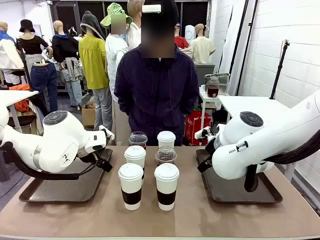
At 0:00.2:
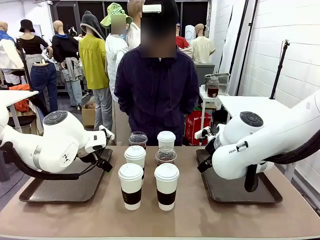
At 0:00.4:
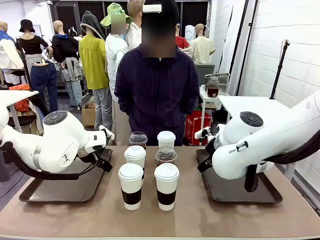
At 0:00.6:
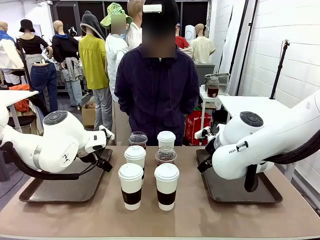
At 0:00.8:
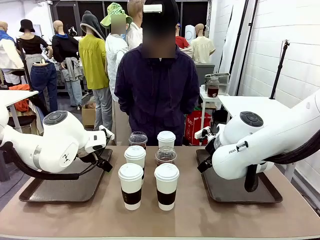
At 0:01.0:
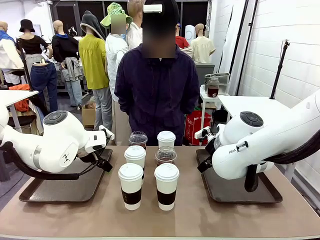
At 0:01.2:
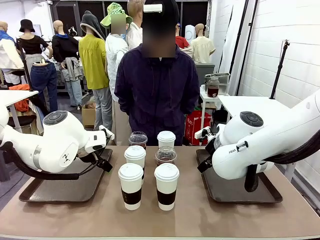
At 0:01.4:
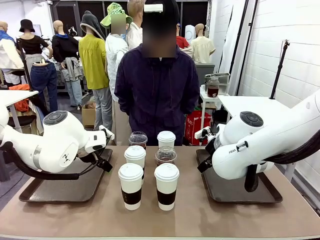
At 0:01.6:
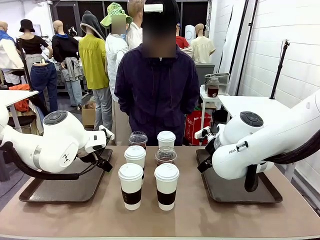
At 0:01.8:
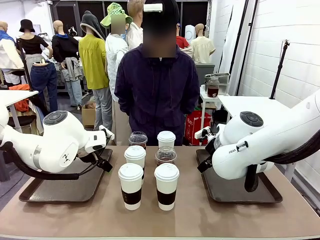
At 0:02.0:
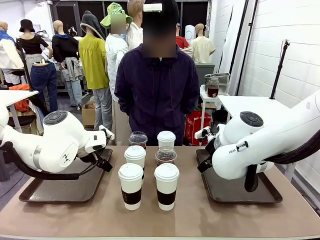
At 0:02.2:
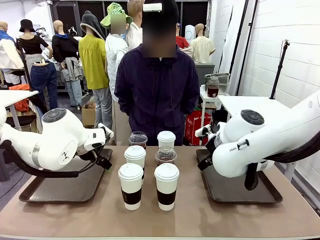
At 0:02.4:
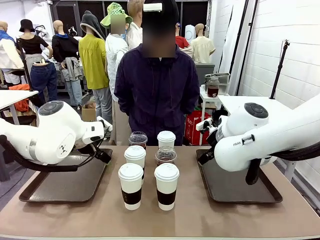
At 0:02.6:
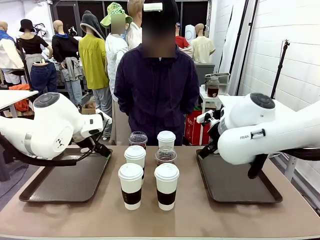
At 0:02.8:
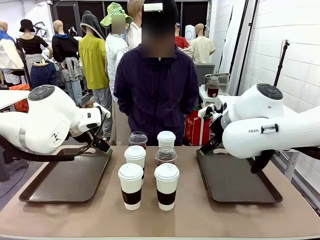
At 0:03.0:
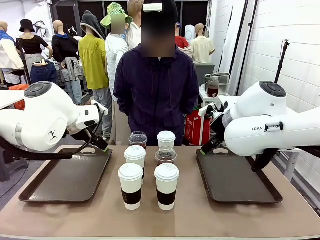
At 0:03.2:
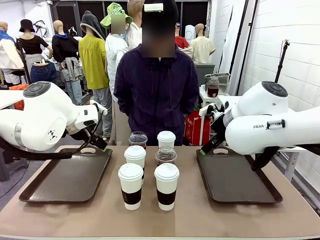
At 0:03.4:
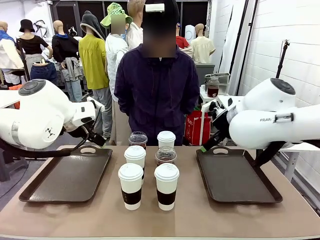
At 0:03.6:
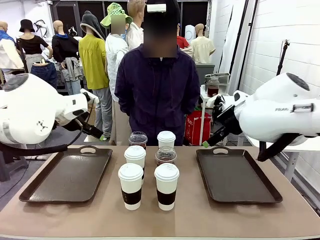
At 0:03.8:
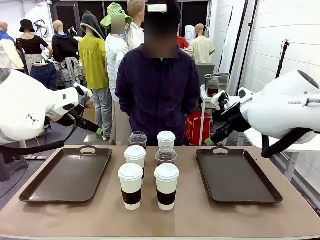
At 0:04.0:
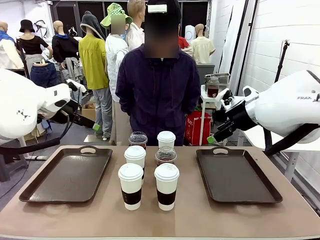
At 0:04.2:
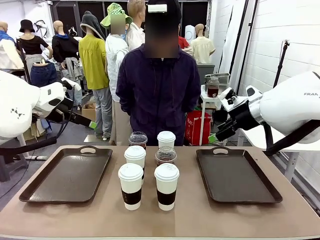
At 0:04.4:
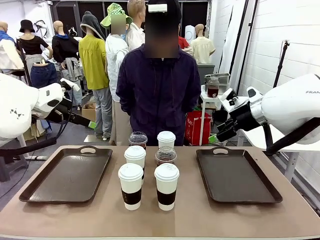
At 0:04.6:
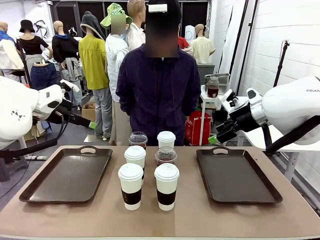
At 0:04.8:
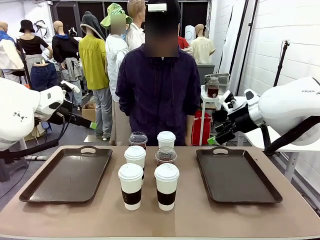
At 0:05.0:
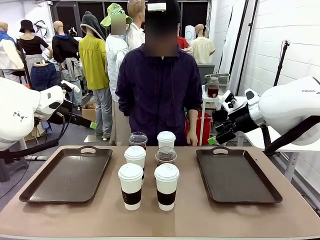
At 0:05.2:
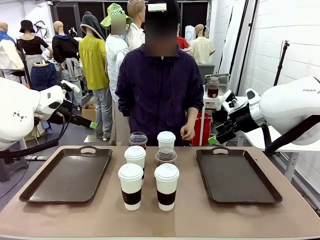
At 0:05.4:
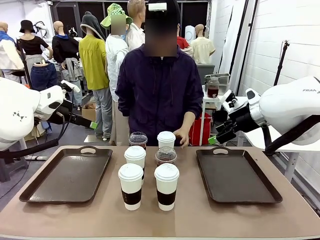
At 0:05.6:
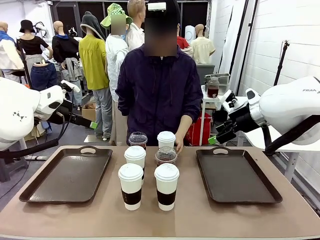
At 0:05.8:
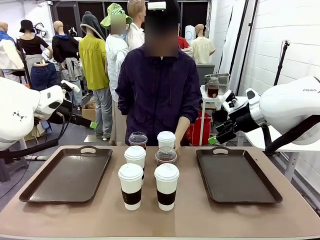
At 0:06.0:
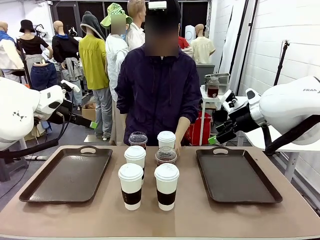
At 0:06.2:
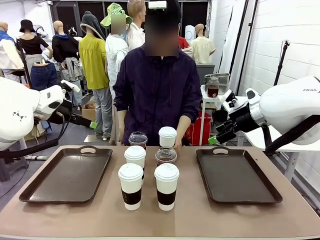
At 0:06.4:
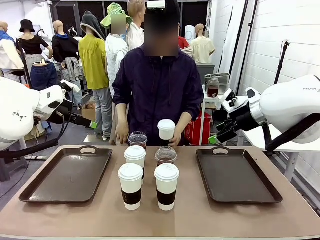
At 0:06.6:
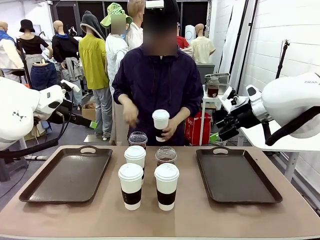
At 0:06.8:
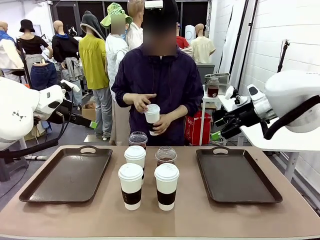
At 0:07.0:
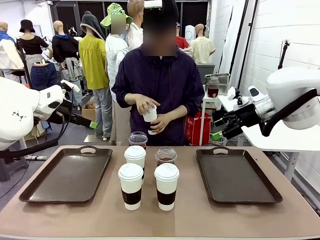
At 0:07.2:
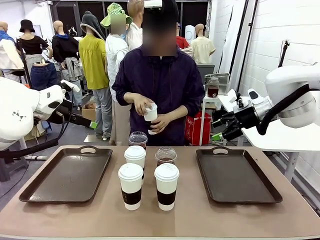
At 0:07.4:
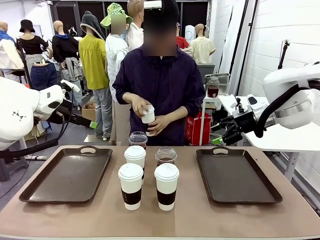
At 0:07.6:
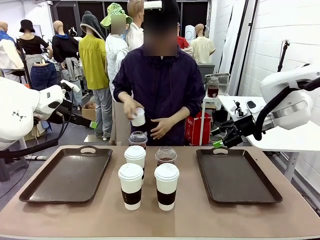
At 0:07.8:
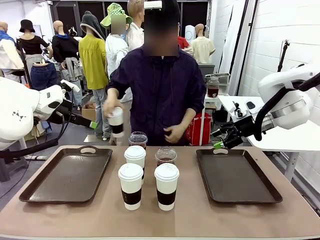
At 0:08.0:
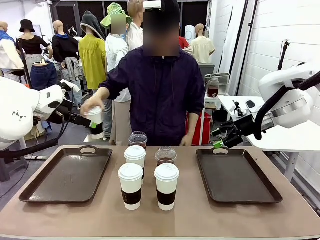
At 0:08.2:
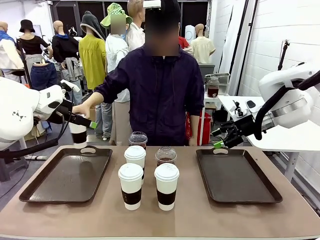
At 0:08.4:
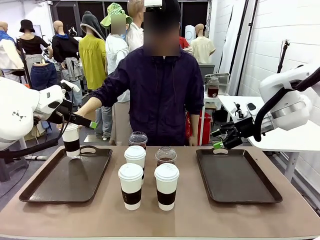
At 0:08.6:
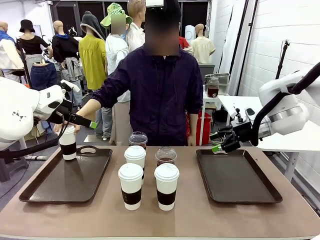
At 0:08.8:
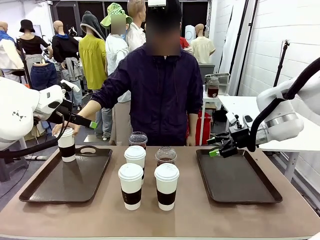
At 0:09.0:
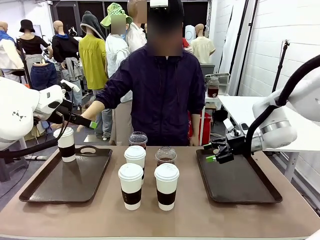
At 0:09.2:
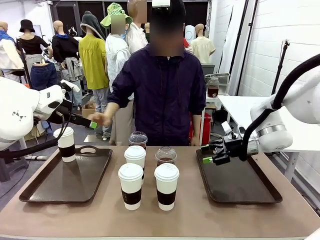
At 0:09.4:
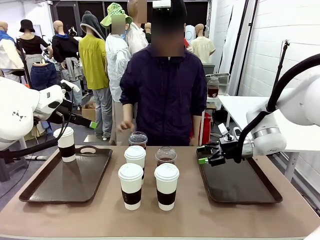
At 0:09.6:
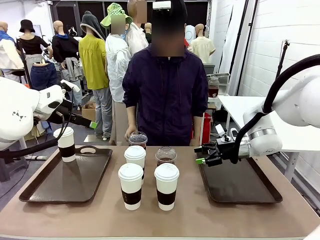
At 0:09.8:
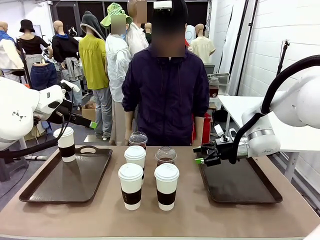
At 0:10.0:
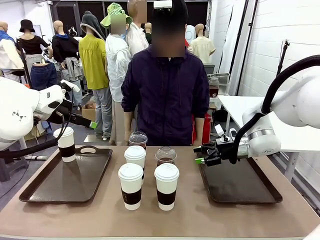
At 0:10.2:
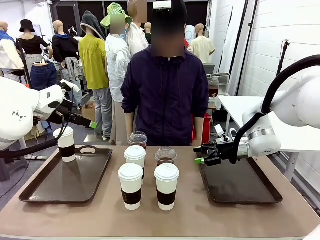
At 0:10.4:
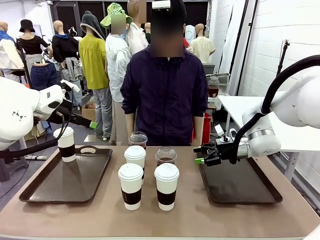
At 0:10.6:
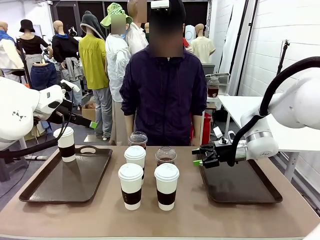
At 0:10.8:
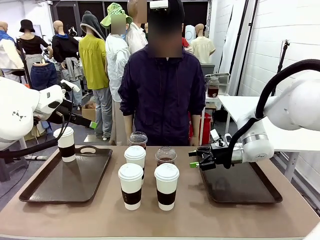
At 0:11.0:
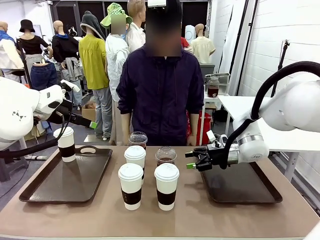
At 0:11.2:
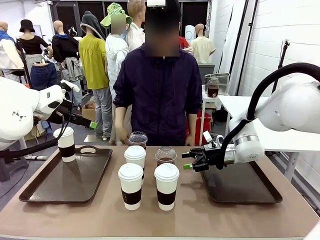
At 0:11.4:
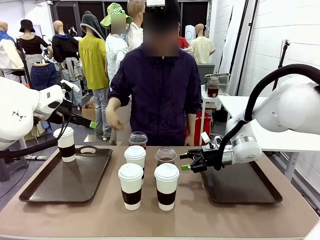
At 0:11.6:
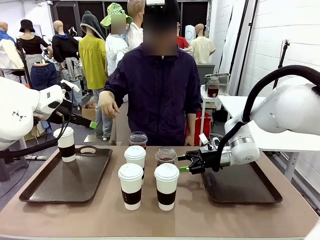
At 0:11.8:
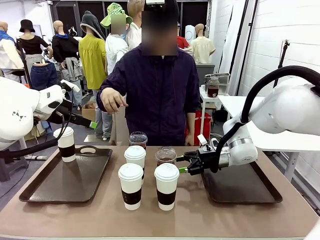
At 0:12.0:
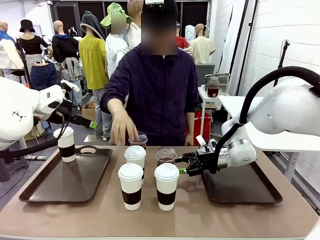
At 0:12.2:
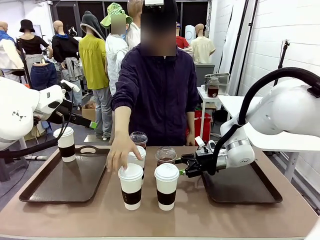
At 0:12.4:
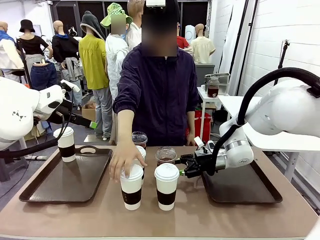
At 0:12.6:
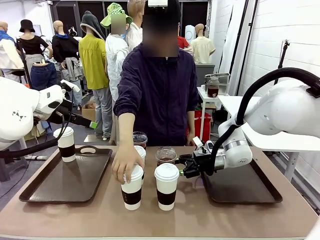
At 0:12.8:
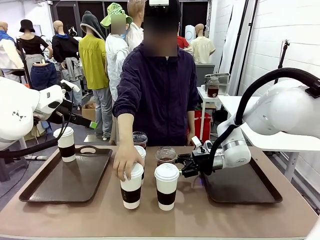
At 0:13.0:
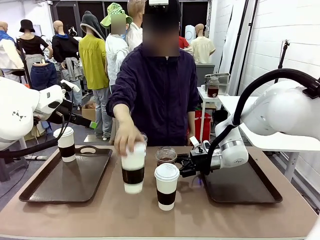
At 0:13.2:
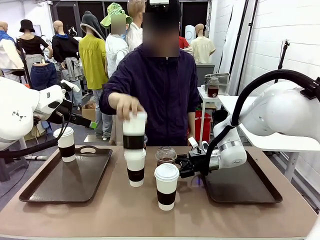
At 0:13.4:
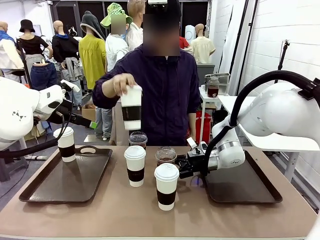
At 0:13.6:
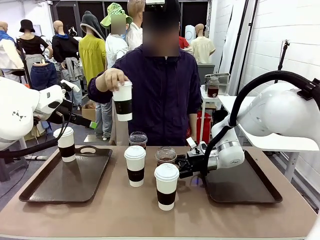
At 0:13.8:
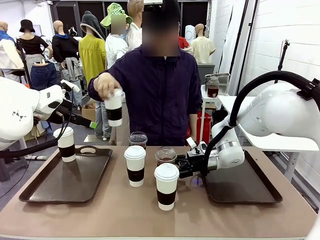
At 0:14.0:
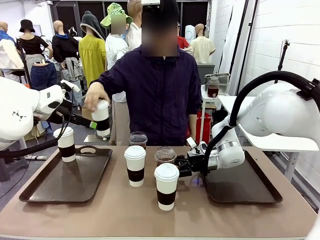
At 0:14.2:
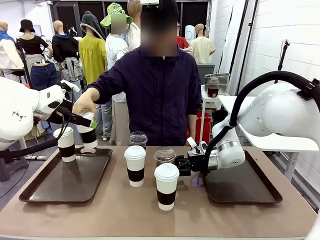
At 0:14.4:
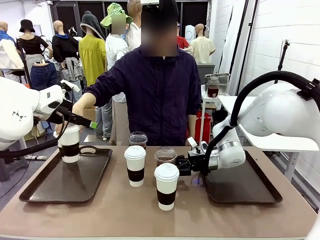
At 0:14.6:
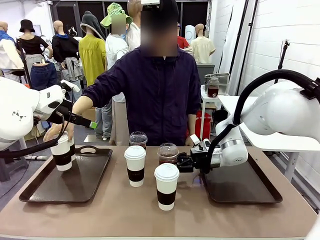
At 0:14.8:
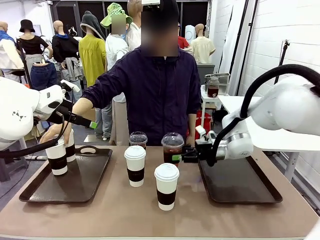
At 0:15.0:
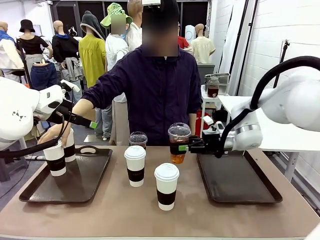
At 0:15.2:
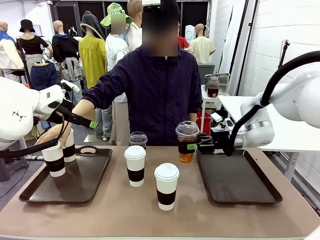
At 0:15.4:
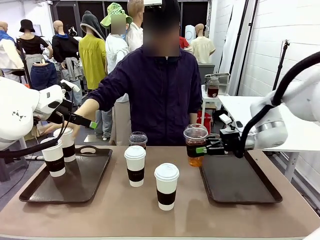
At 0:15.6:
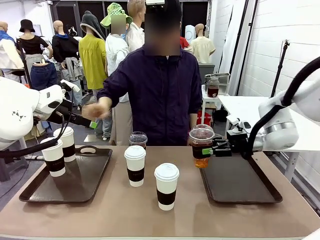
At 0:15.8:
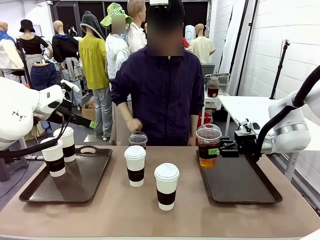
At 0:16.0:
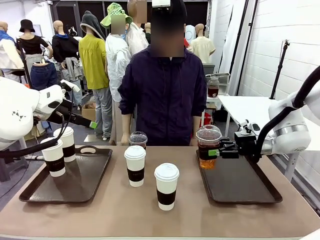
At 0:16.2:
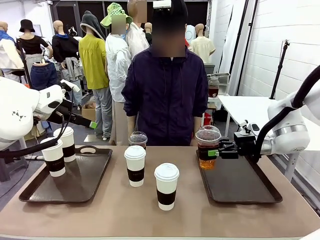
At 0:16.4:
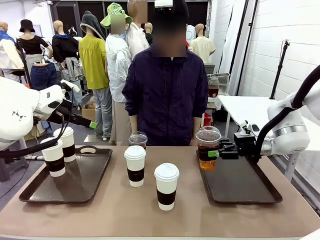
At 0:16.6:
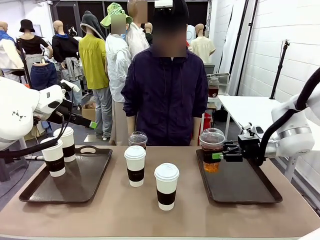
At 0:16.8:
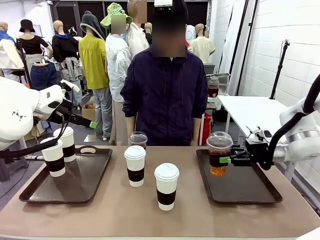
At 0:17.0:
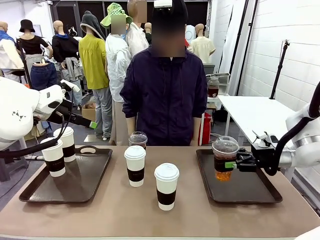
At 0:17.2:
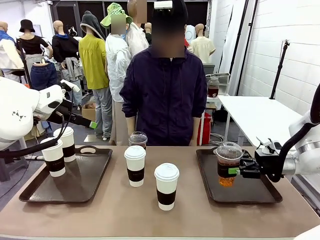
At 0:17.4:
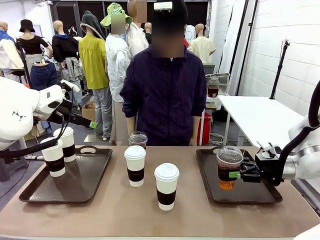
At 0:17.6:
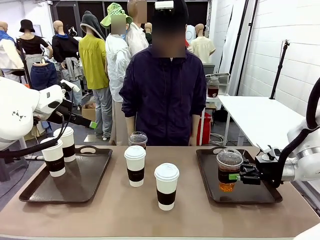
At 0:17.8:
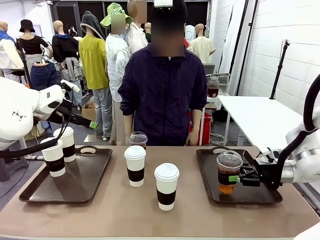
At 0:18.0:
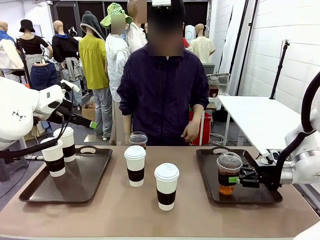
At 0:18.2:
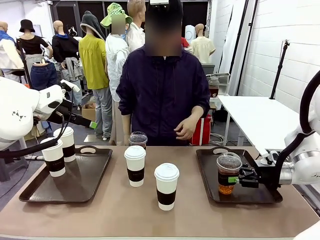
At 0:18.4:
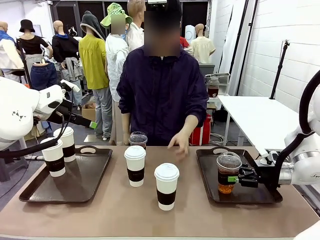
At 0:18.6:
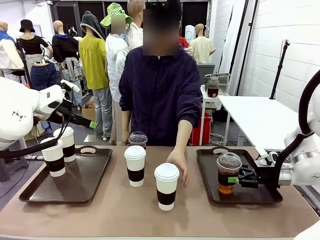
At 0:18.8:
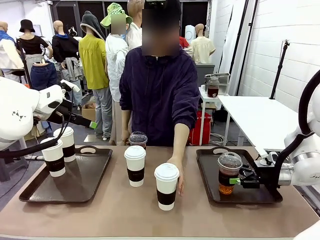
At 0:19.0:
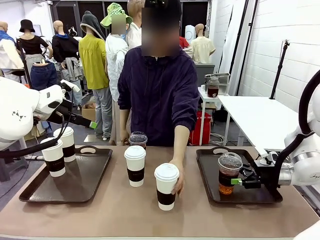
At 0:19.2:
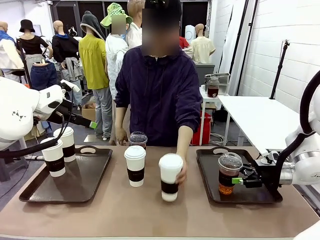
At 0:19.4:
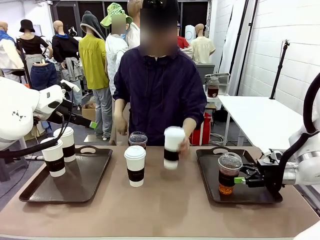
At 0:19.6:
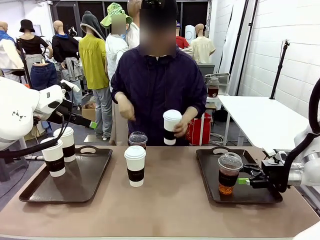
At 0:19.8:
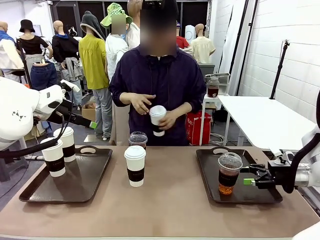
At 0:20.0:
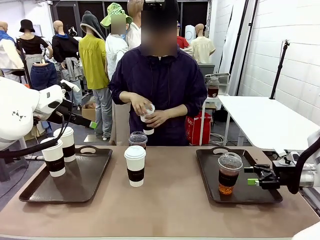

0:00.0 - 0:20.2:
Task: Distribute the coffee onto the tray.
Robot: Pick up one iced Americano and place it on the right Handle tray.
Person: Pick up a cup of hot Americano and place it on the right tray.
